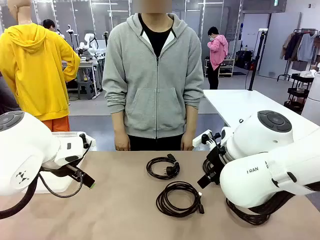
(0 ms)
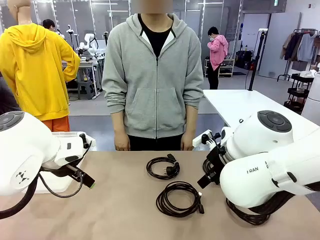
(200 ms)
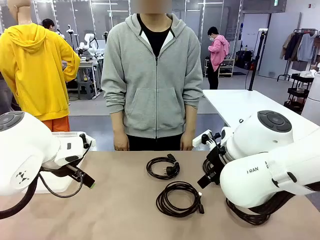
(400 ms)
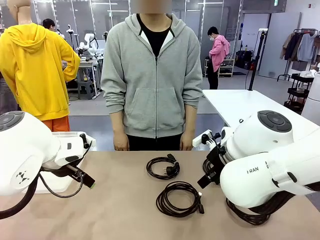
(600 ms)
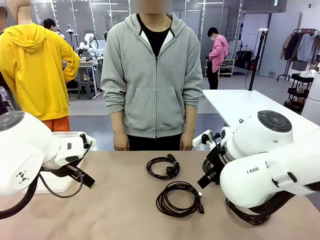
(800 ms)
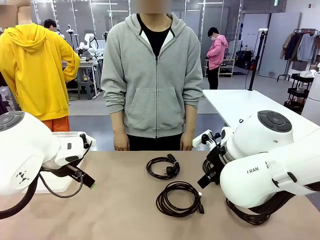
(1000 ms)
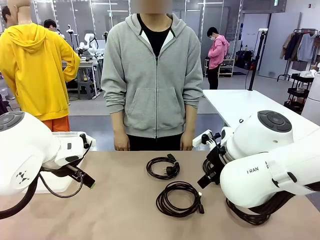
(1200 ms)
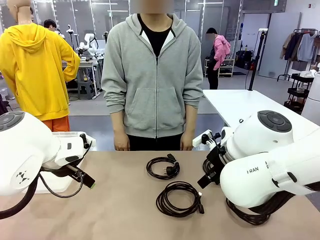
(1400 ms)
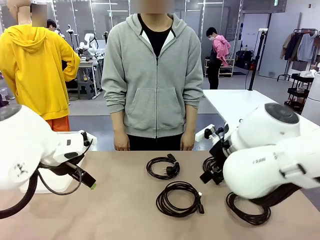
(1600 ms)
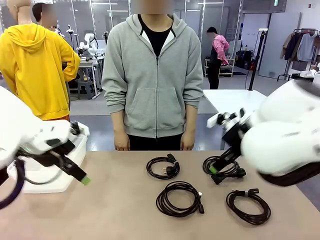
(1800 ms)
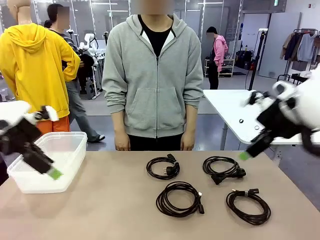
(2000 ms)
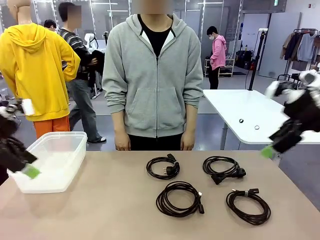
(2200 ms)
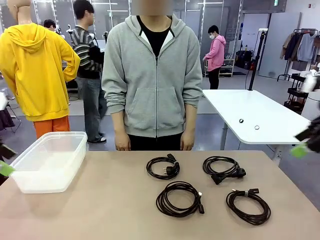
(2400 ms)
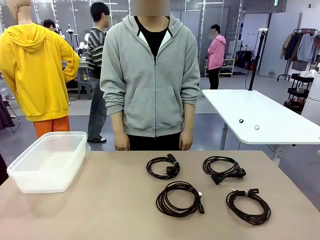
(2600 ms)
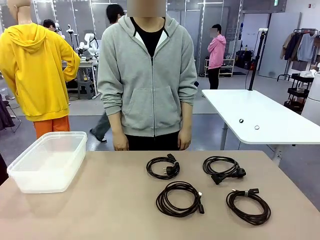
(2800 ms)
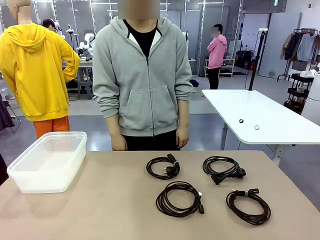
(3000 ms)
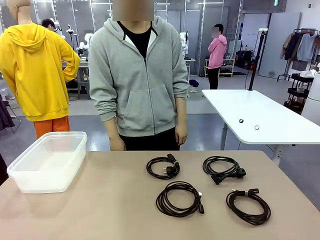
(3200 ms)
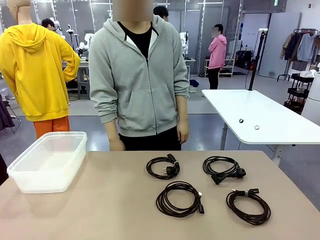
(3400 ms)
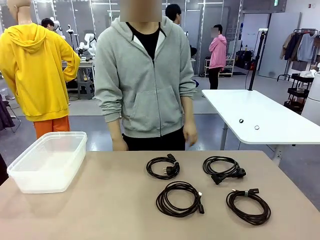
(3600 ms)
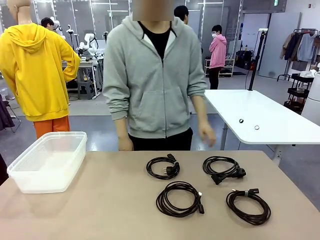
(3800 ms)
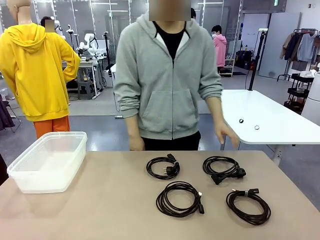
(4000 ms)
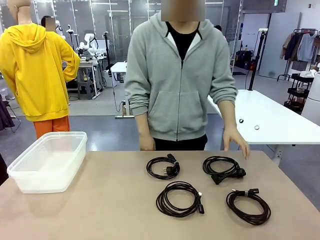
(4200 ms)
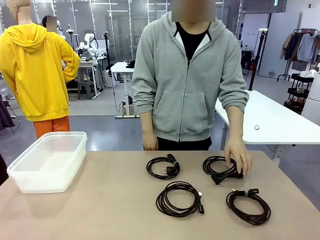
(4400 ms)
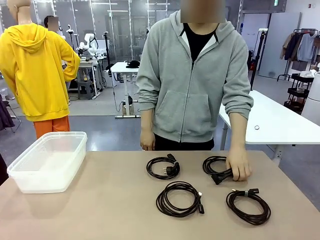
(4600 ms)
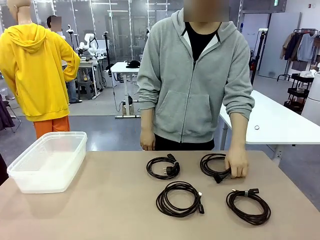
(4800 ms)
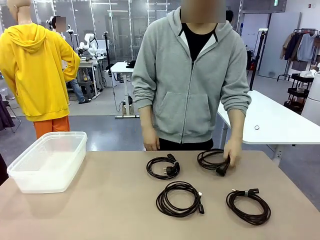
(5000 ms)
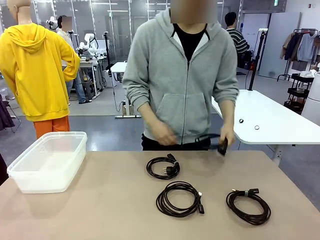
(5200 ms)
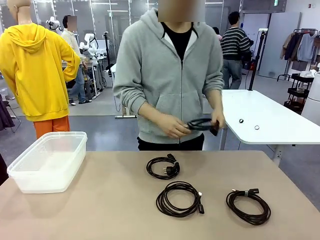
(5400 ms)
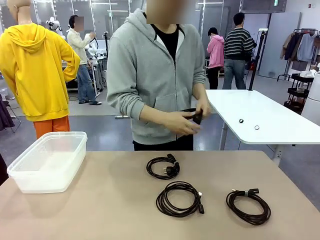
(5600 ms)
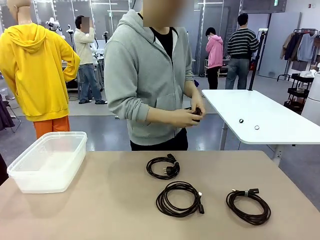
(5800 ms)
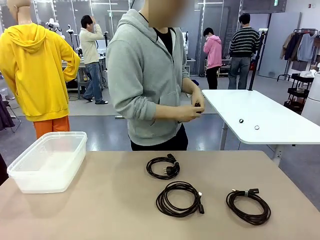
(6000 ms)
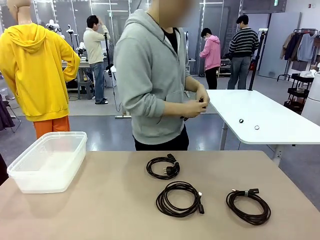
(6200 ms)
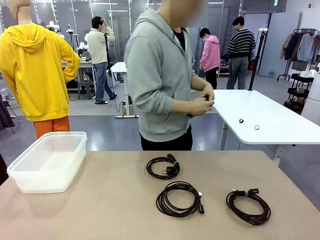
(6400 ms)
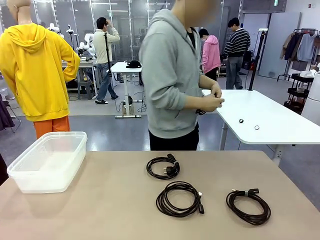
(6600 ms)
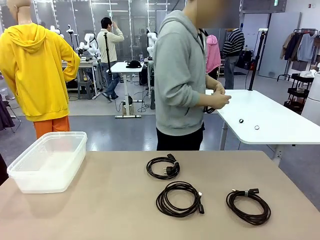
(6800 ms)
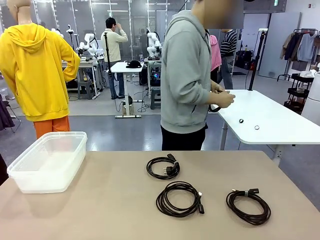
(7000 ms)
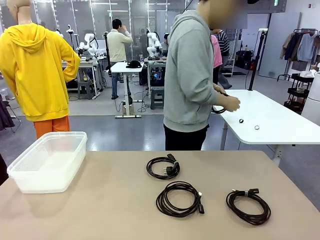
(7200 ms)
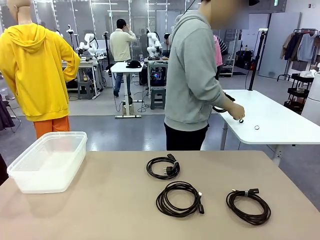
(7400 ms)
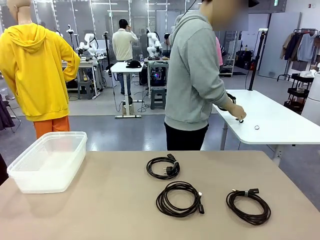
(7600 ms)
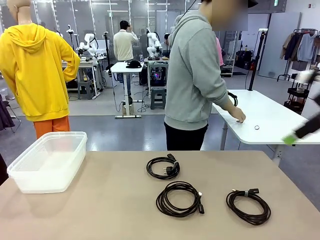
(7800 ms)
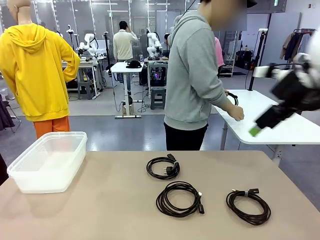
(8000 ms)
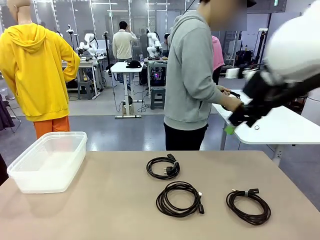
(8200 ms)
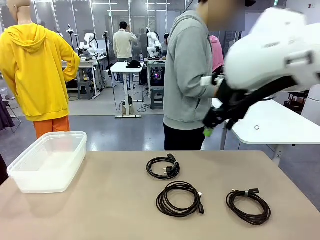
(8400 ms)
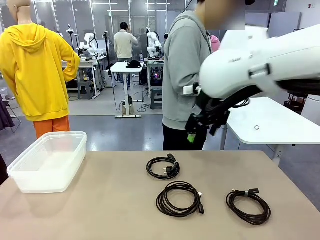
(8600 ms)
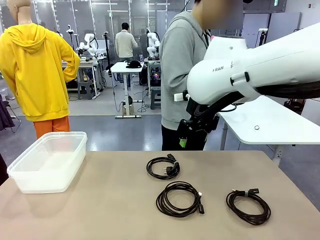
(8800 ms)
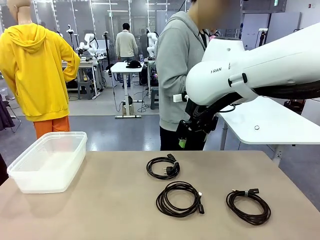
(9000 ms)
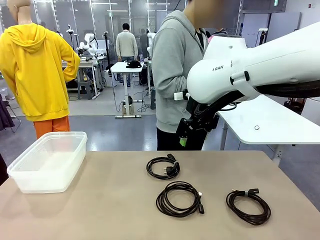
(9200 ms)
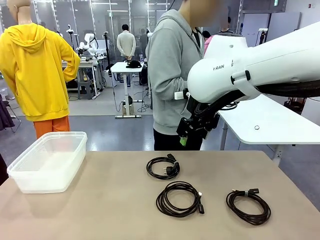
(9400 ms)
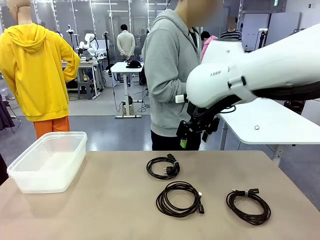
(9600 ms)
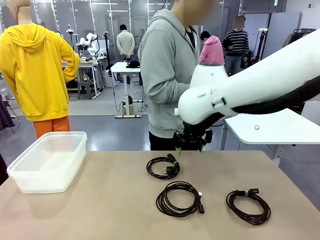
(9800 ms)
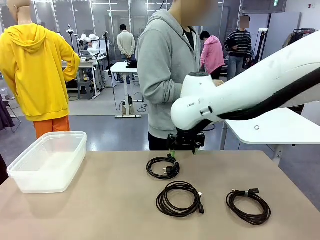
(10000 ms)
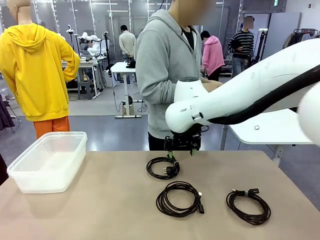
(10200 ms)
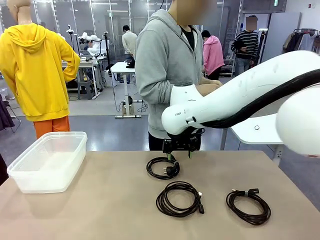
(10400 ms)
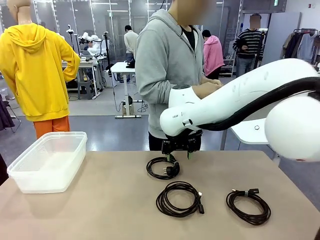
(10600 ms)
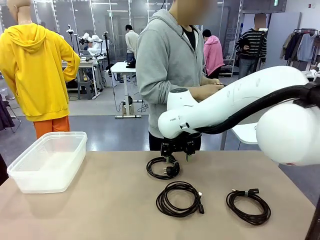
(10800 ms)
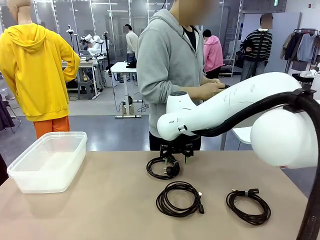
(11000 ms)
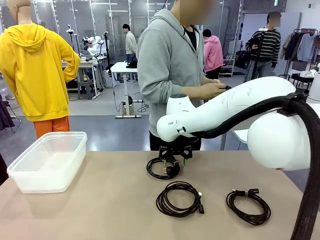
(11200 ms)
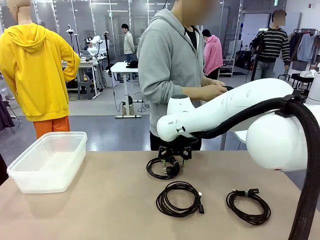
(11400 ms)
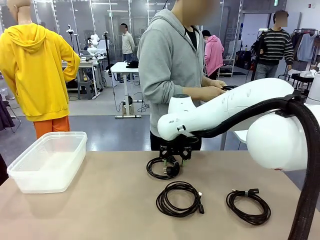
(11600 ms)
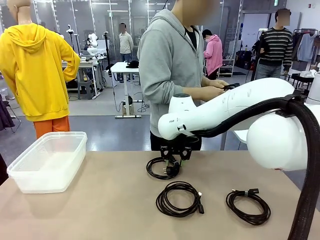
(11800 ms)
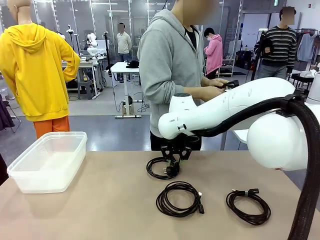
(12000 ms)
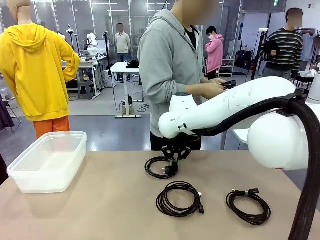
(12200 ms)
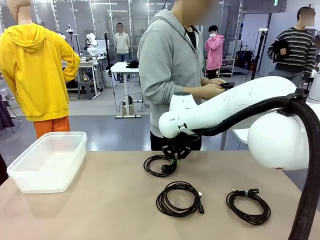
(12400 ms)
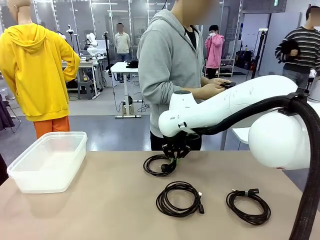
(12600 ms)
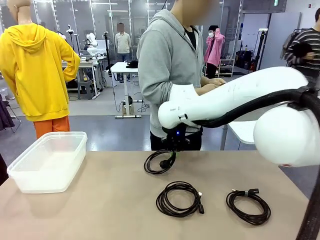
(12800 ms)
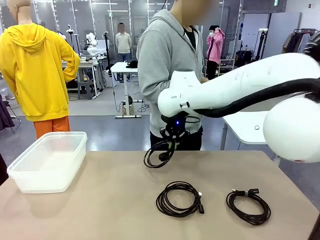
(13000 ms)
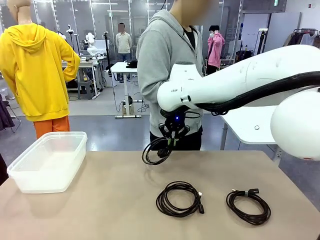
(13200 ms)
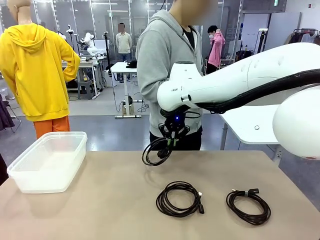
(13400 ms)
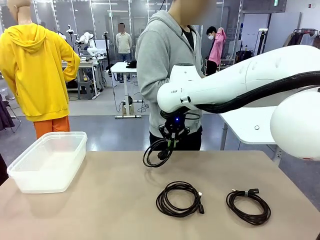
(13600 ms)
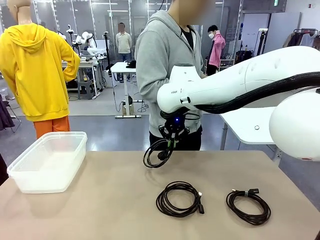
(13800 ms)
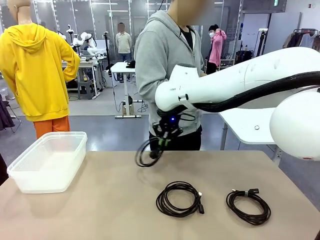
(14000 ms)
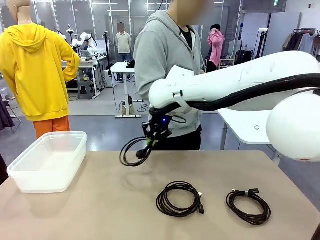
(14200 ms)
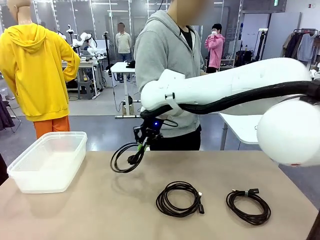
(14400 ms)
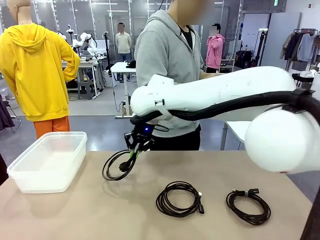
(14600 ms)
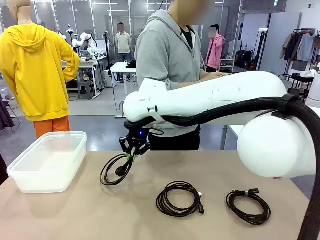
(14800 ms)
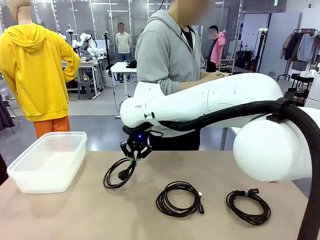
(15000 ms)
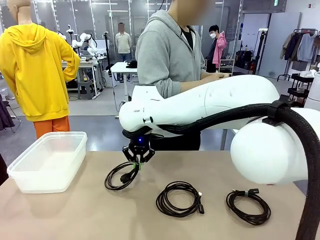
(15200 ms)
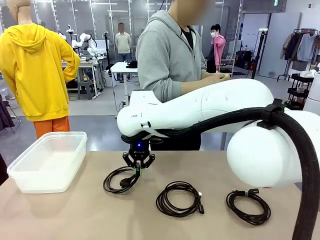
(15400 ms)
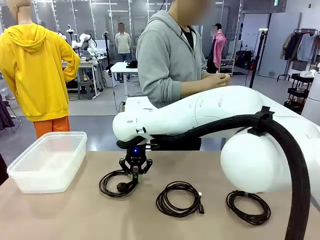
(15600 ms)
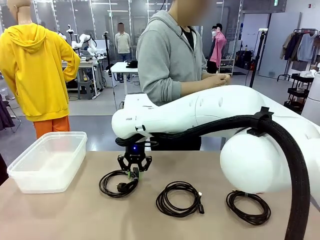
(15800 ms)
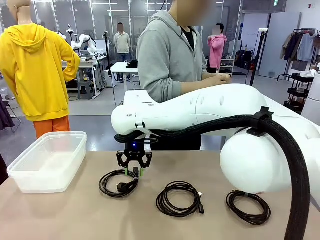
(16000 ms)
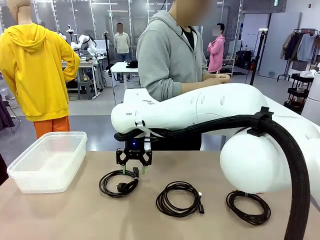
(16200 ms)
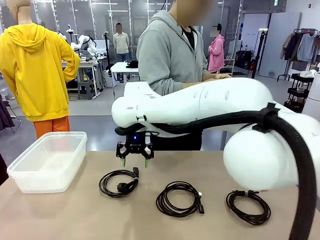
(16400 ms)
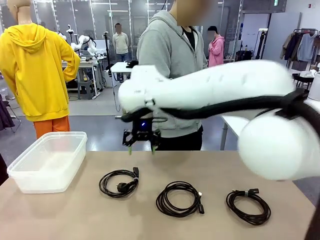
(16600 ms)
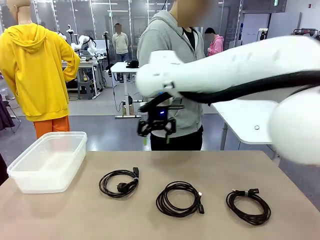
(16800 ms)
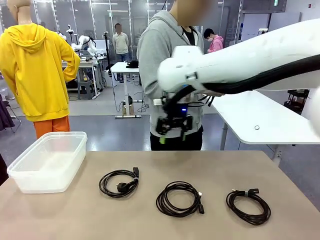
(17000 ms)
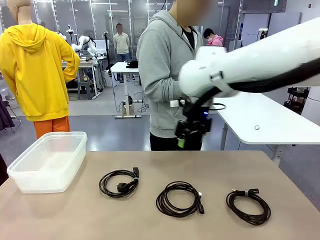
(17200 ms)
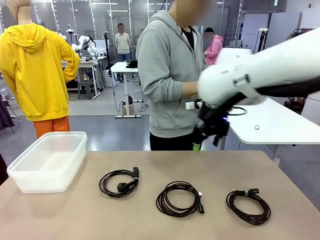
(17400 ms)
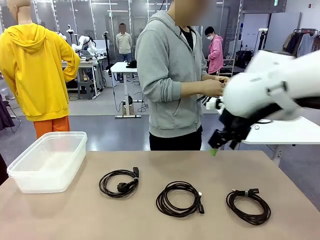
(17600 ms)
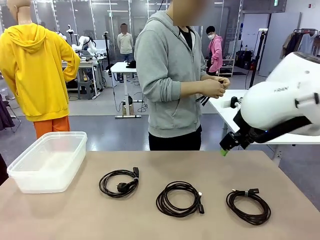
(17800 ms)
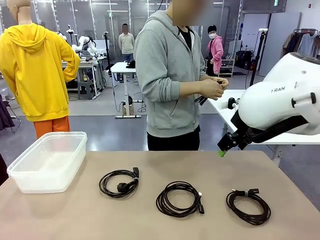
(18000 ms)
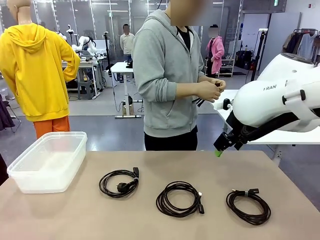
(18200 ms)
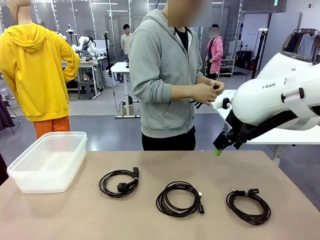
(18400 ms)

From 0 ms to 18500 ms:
Task: Organize and store the cables.
Robot: Place the Power Cable into the Organizing box.
Person: Tie one Power Cable with a Reusable Cable Tie.
